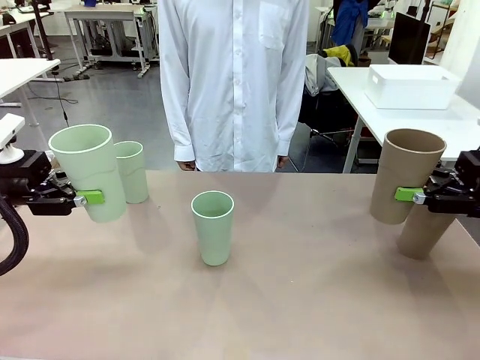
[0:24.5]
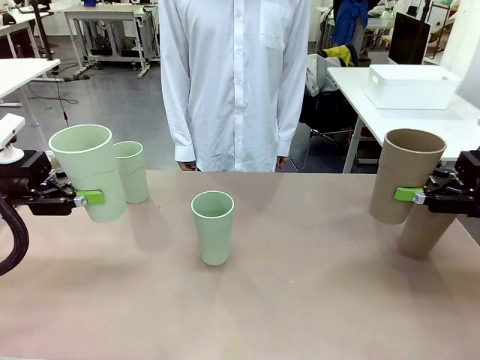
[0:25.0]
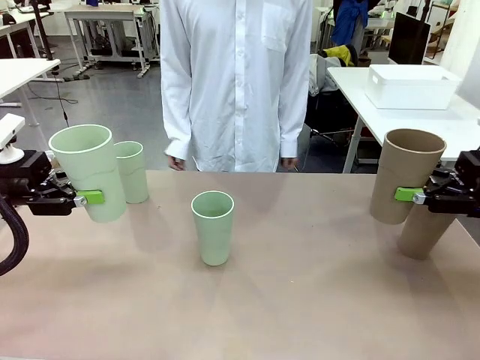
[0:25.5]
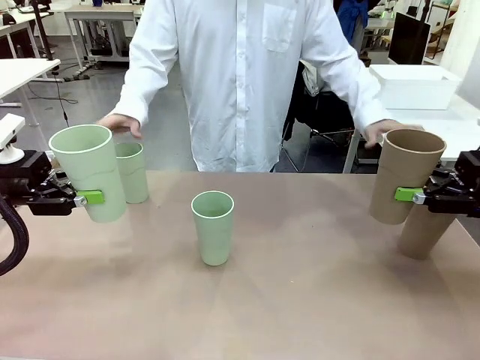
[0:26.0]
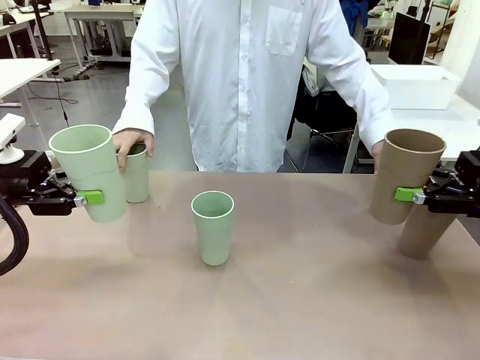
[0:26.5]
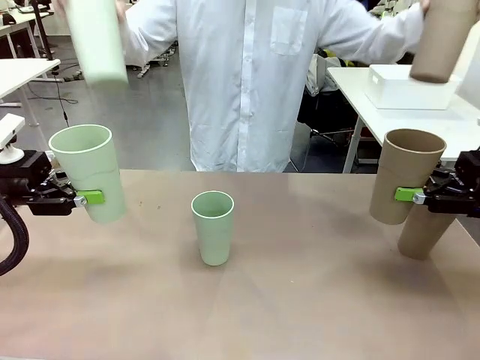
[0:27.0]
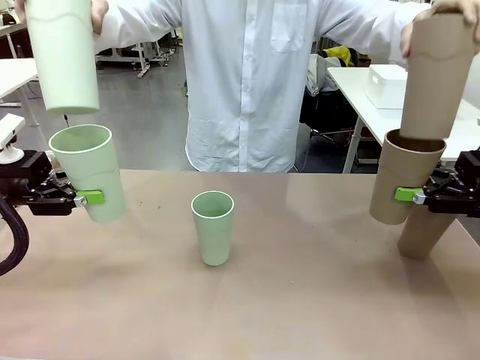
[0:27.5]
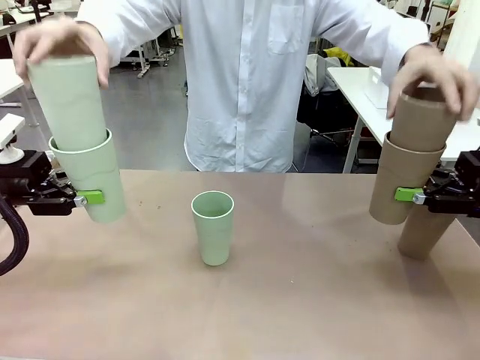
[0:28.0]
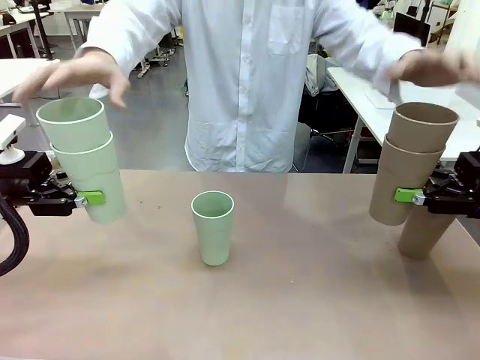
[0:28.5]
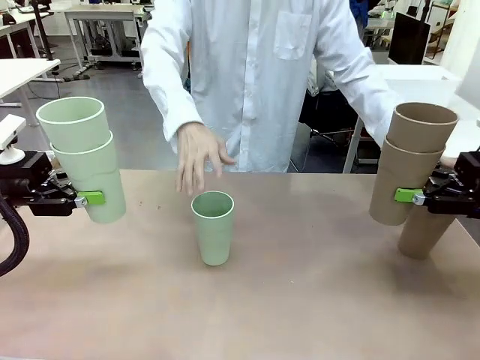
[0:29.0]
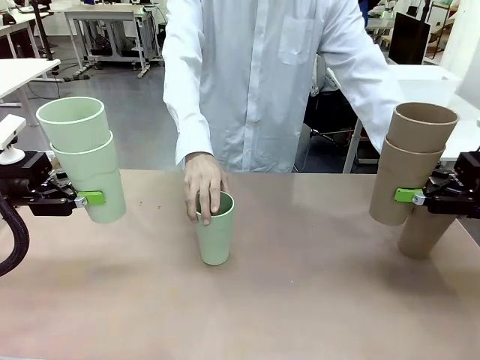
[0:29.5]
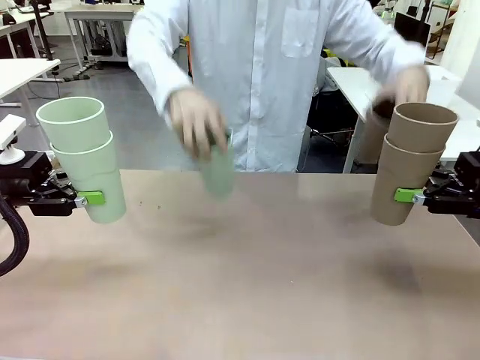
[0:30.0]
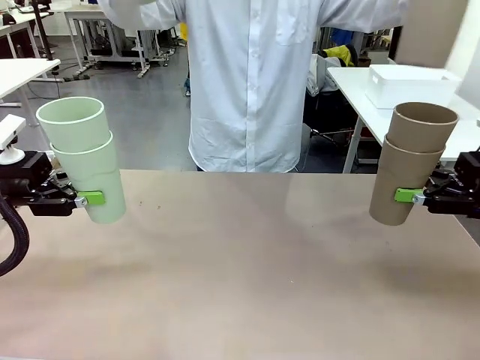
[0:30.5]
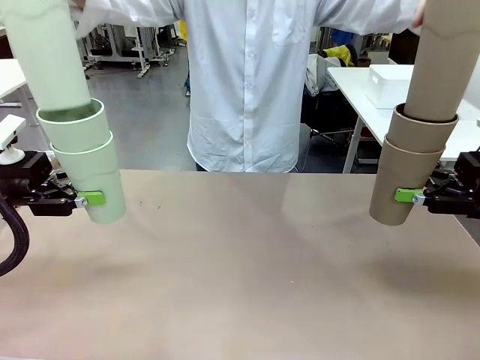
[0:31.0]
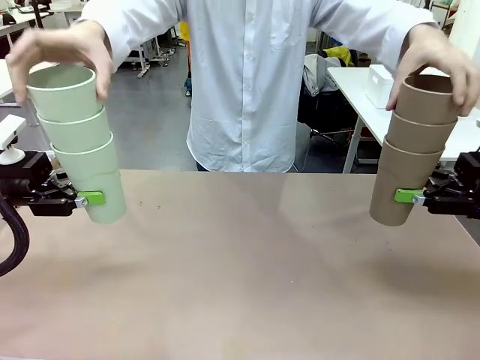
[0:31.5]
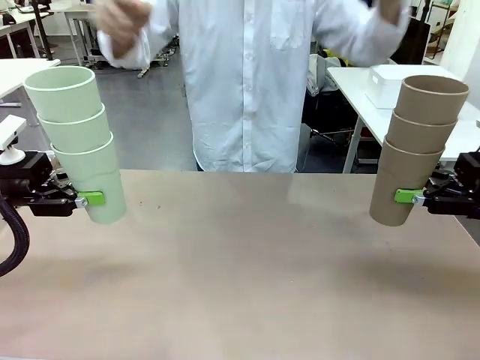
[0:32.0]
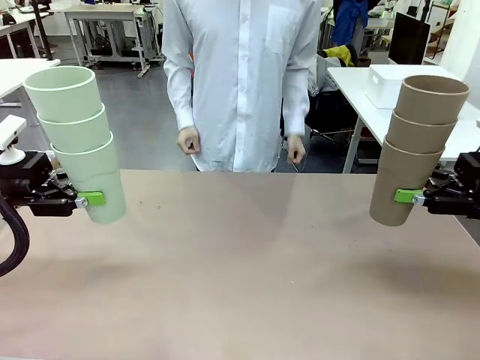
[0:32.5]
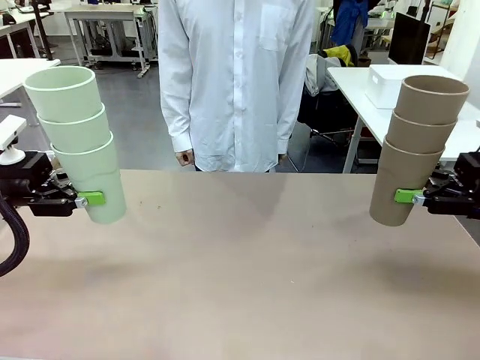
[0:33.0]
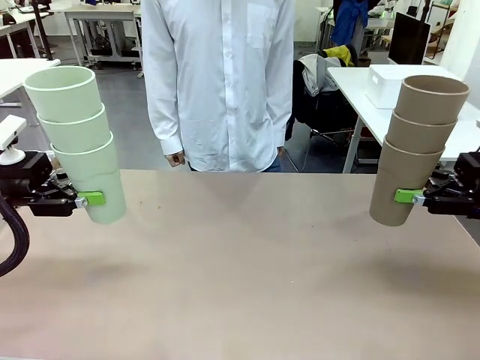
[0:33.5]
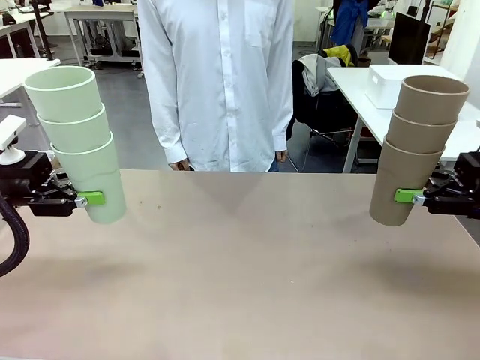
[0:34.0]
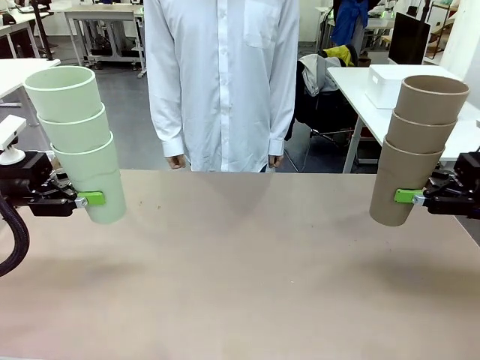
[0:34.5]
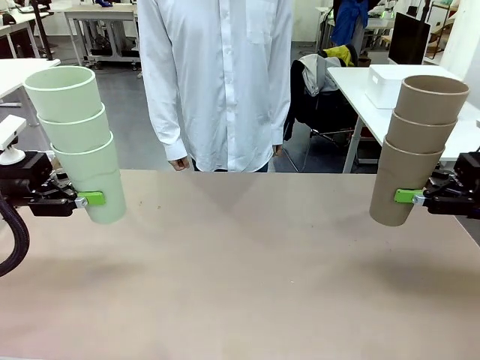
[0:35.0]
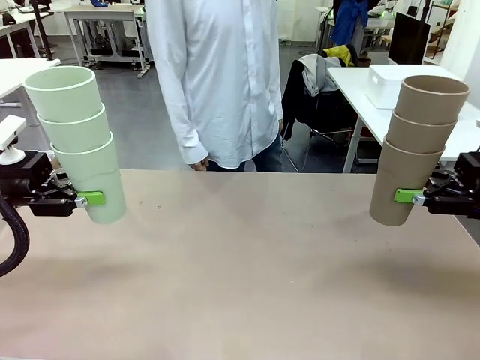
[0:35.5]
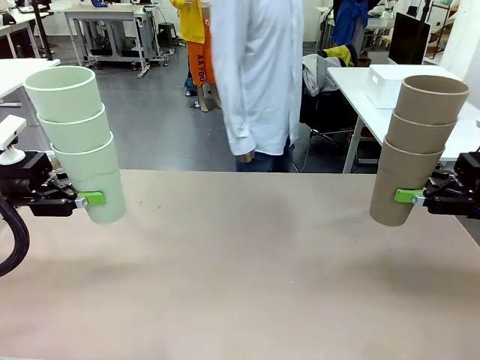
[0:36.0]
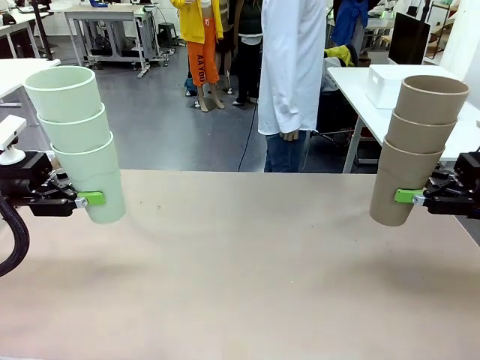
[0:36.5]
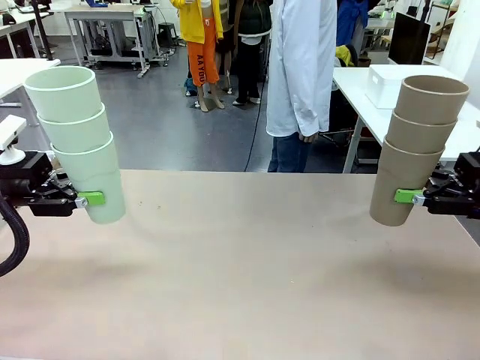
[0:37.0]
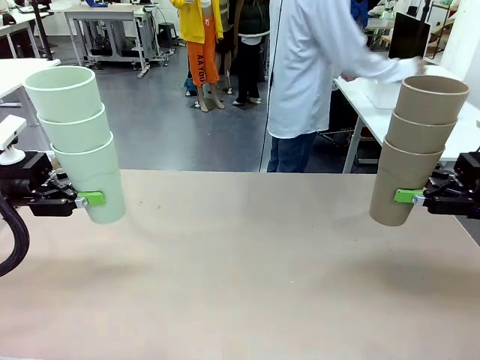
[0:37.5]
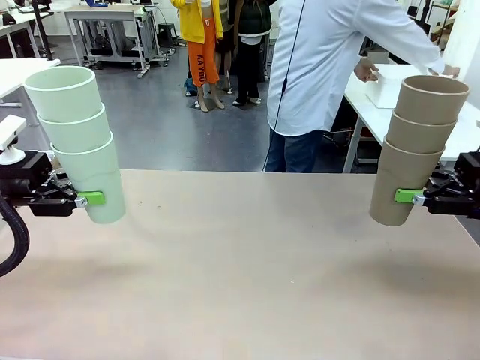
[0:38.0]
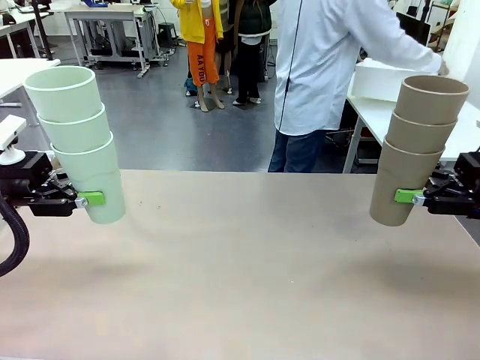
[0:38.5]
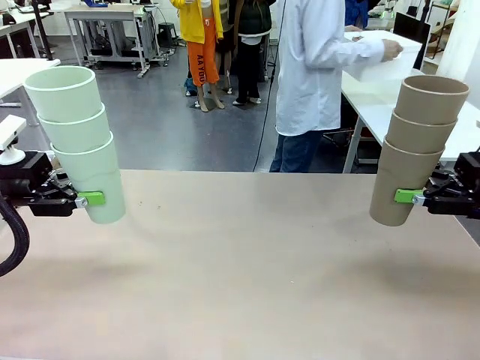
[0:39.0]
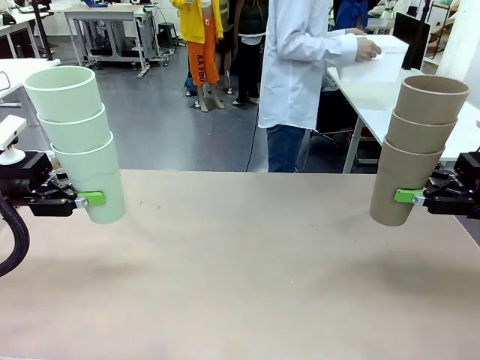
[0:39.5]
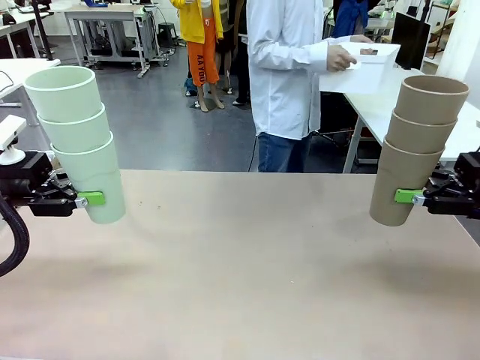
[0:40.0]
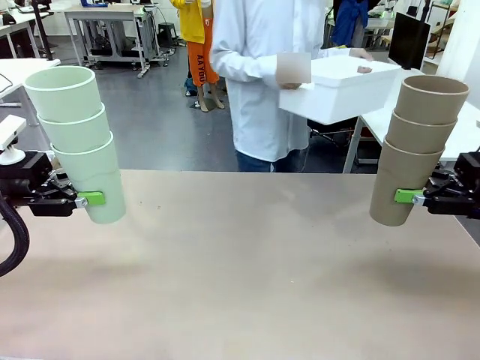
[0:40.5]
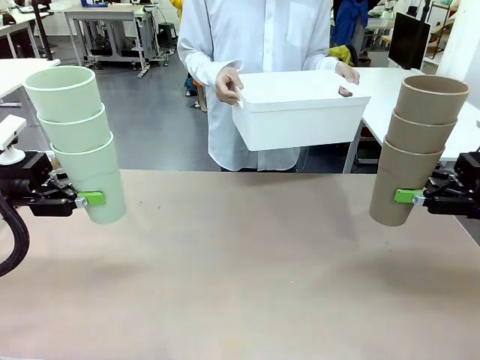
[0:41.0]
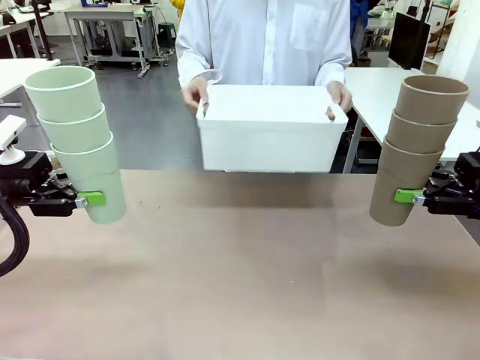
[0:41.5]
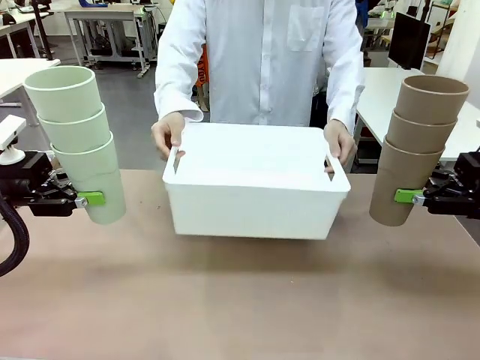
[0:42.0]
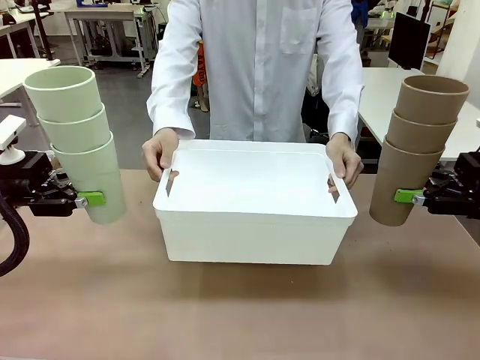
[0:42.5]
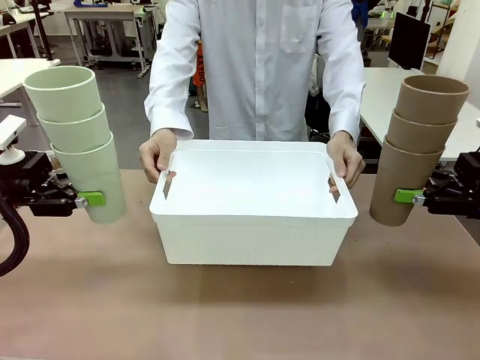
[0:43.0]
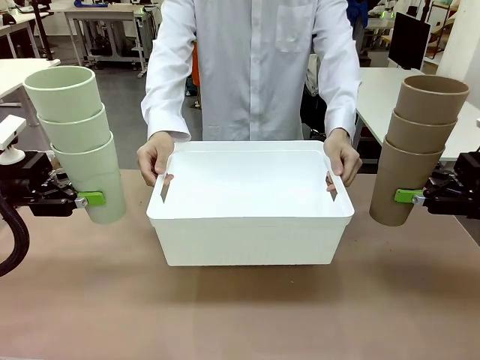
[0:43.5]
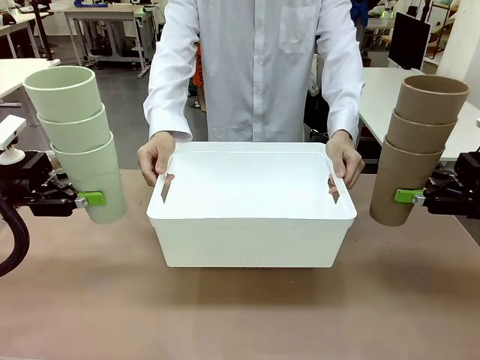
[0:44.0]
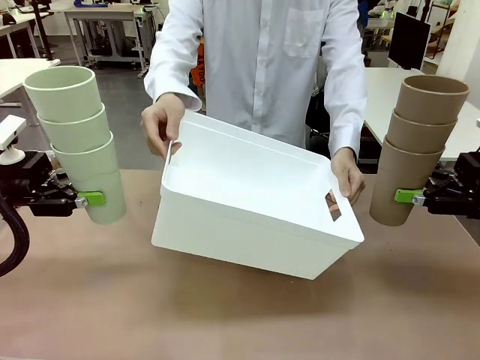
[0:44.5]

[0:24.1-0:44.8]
Task: Stack the cups and store them in the basket.
Robot: Place the stack of Reusable plastic cups into the Pantry Basket.
Person: Pick up the basket from the Human Table, bring it to the front of the robot, and present it.

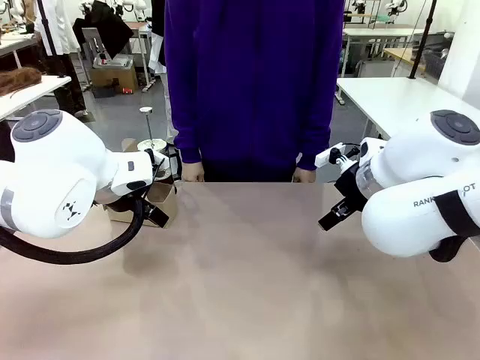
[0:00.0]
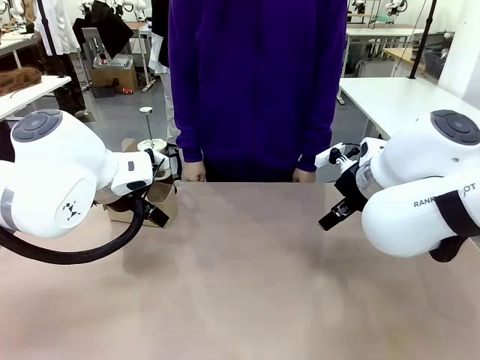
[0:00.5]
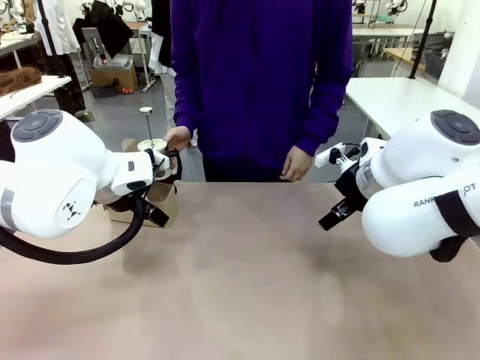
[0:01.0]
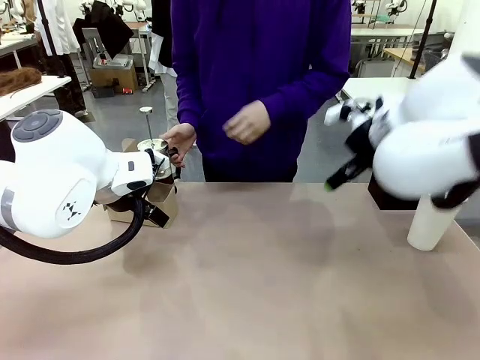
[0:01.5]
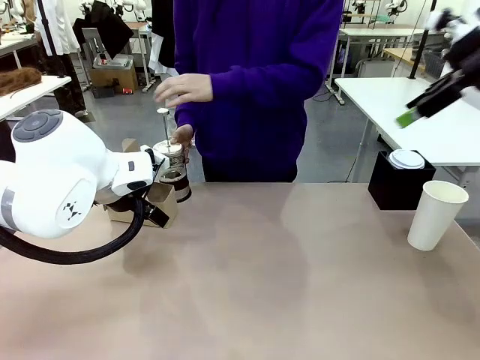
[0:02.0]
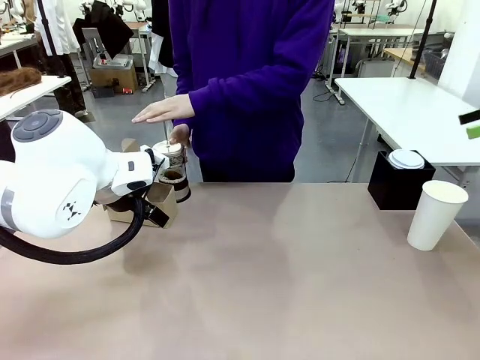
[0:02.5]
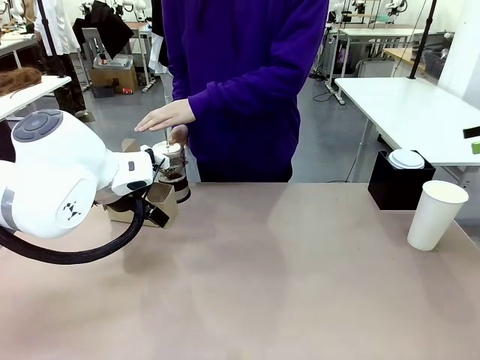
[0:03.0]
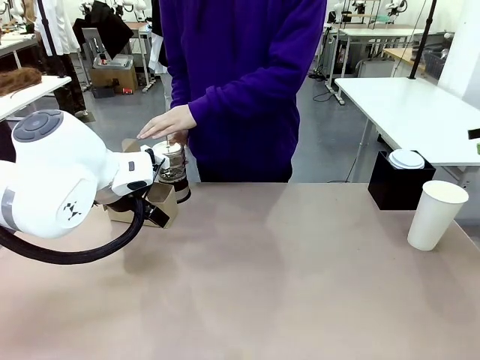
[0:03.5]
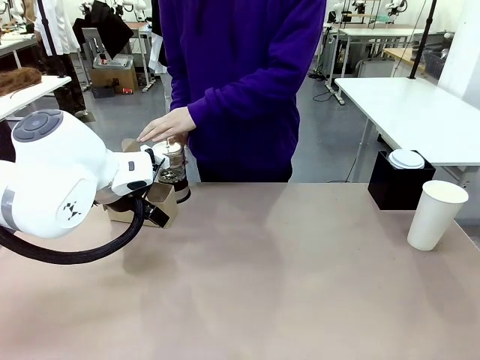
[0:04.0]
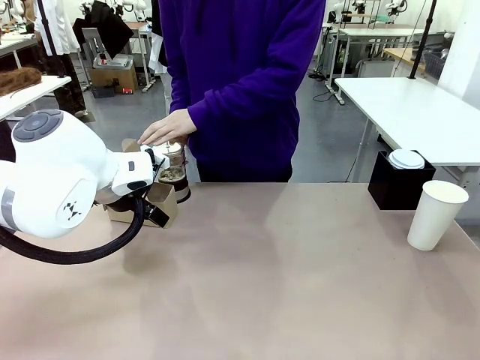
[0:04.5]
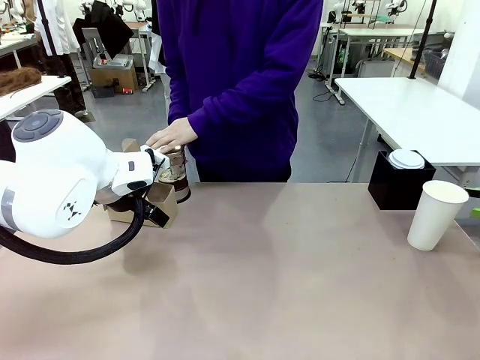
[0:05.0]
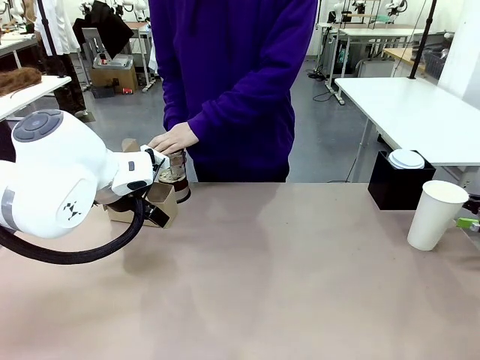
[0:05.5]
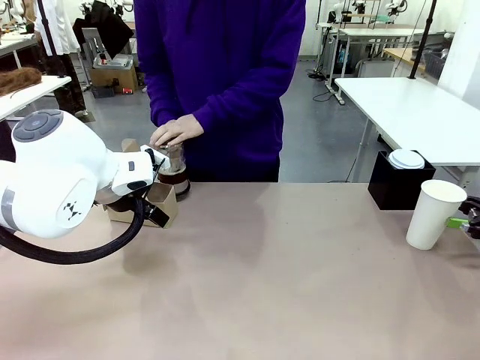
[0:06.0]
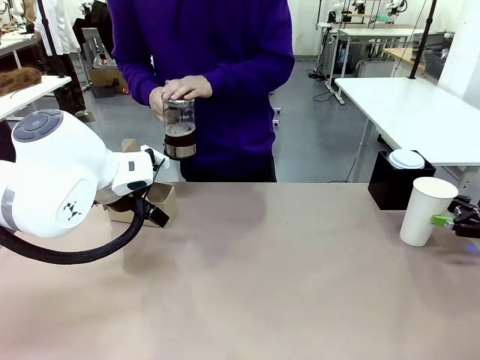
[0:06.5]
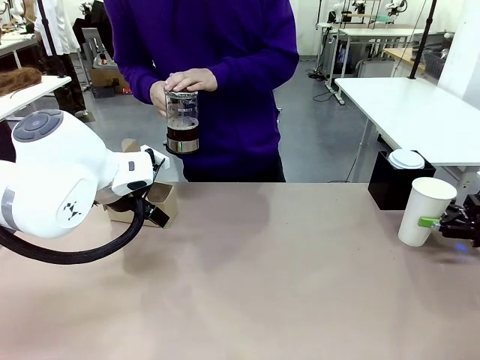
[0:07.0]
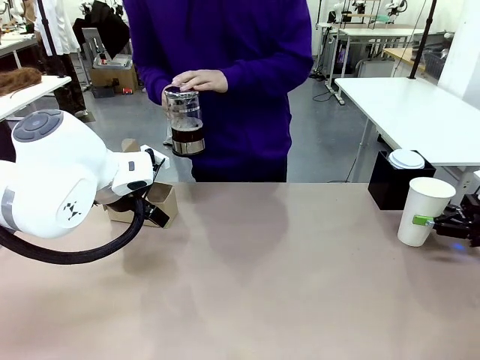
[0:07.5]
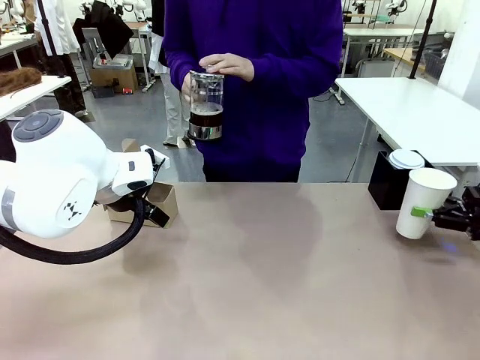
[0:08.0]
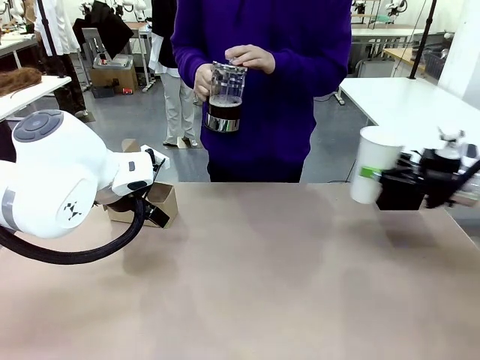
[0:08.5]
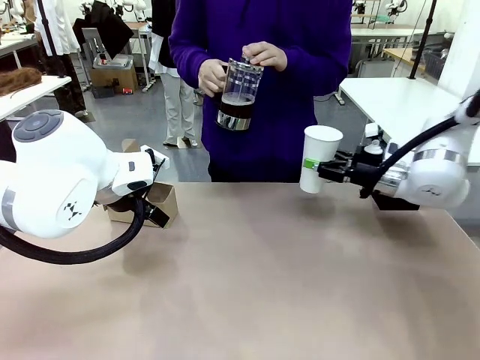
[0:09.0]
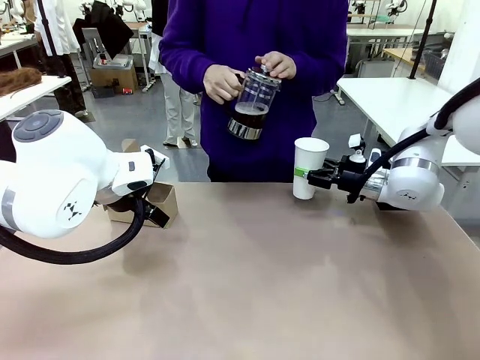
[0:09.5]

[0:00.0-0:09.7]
Task: Pour a drink into a cup and package it in a carrier.
Robot: Pick up the 600 ml Paper Cup and place it in the middle top area of the table.
Person: Press and pick up the Filter Brewing.
